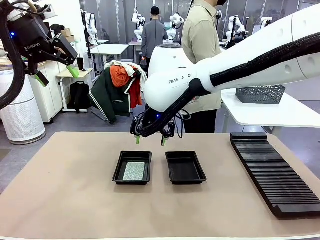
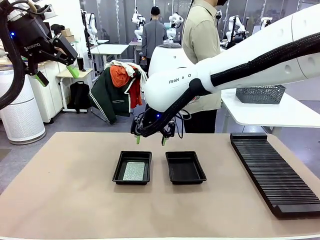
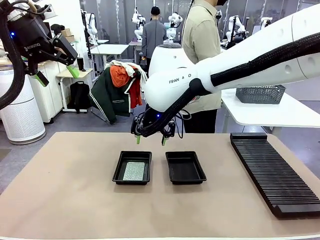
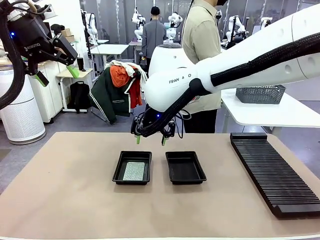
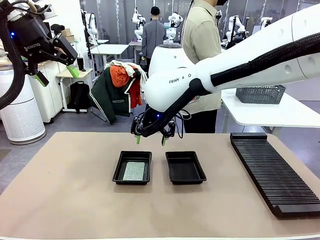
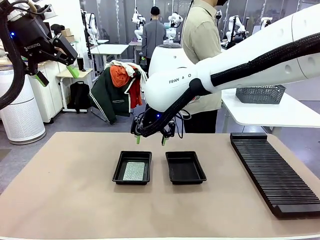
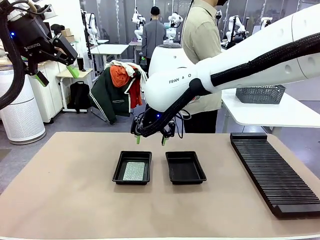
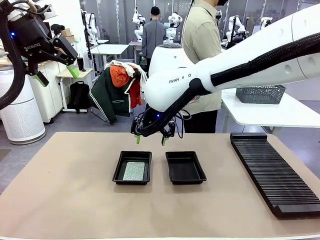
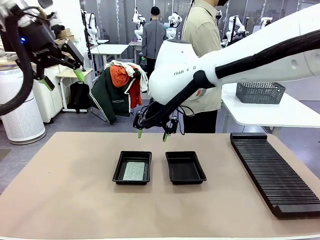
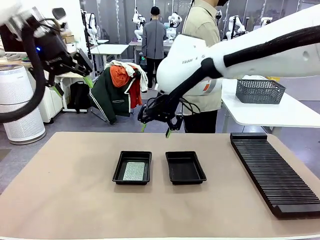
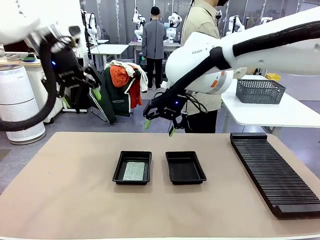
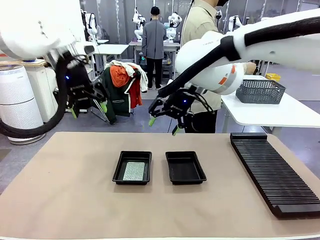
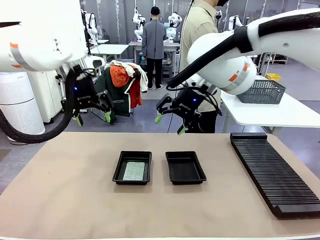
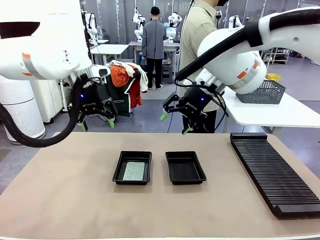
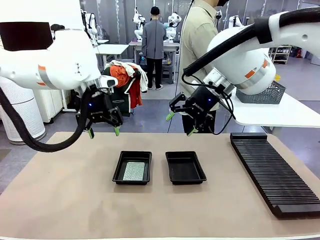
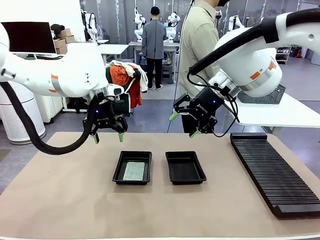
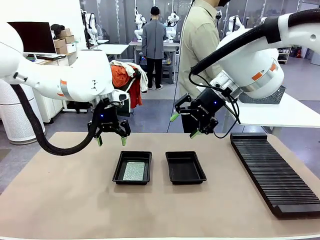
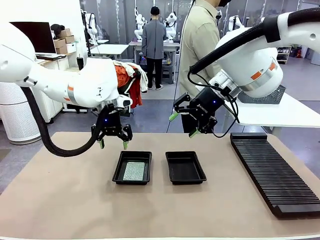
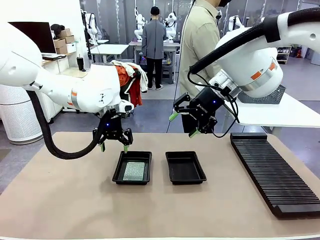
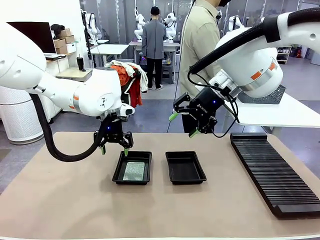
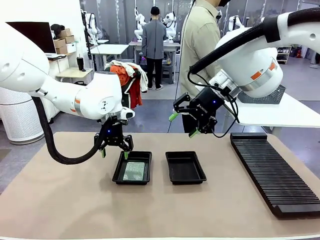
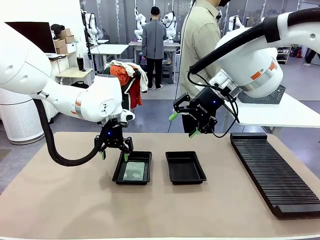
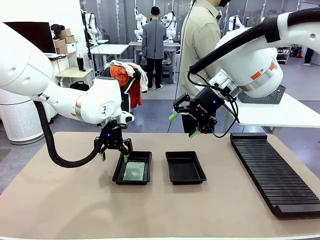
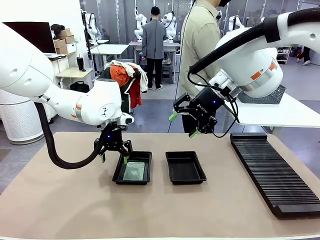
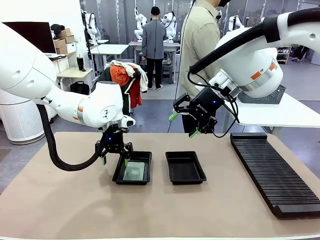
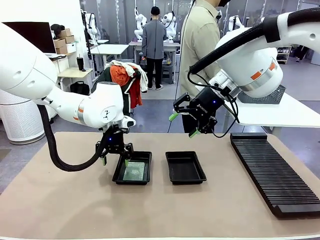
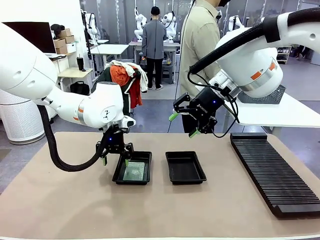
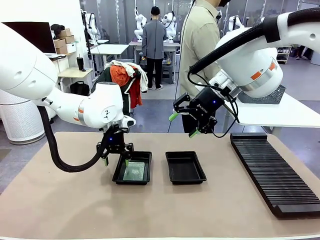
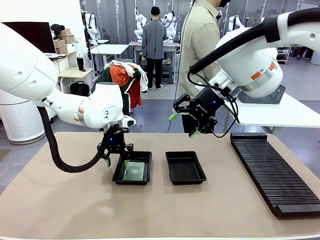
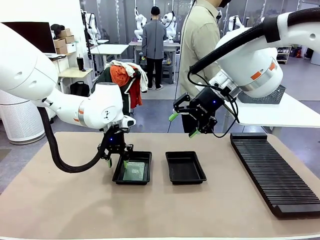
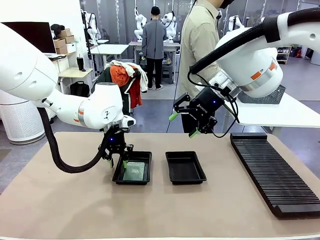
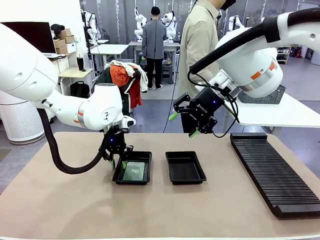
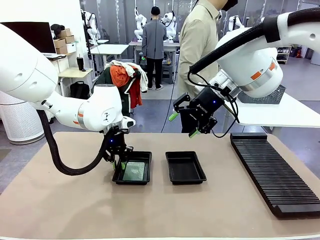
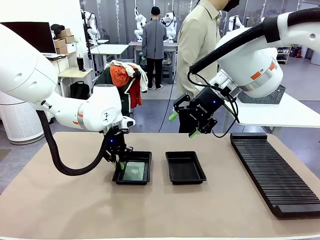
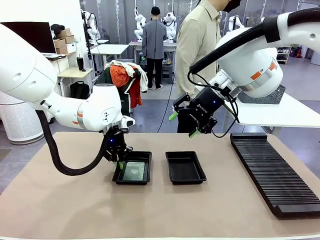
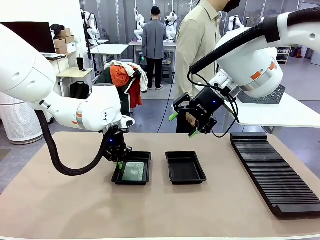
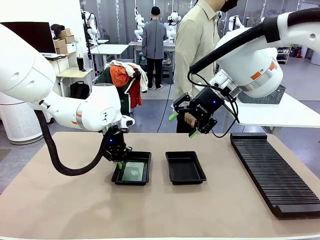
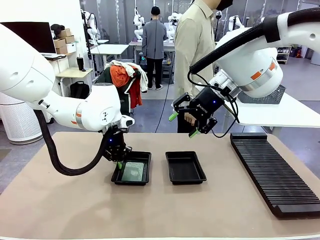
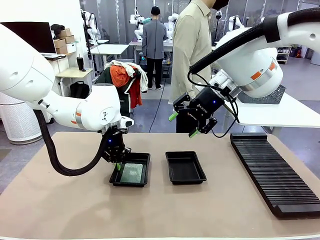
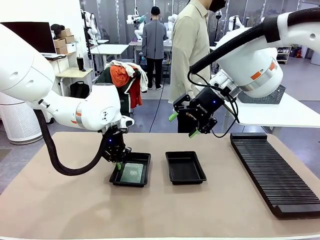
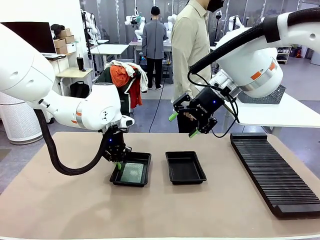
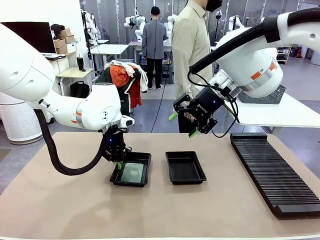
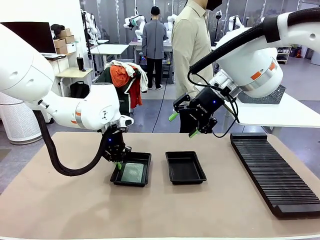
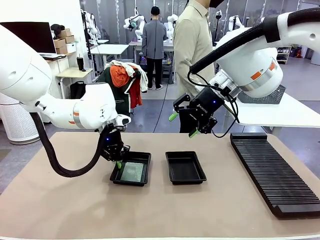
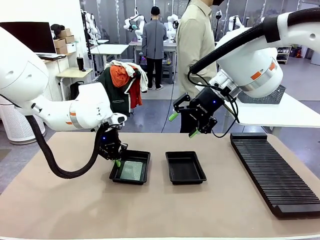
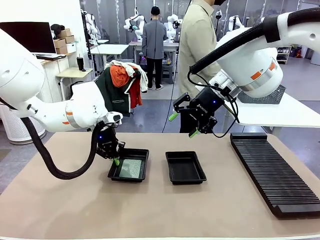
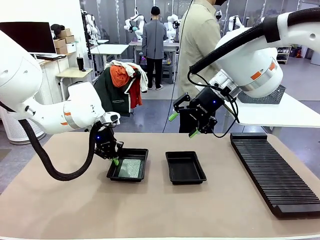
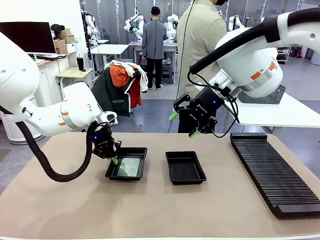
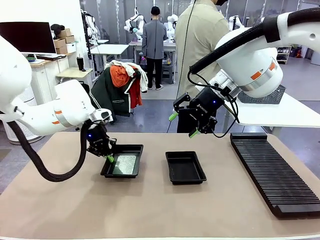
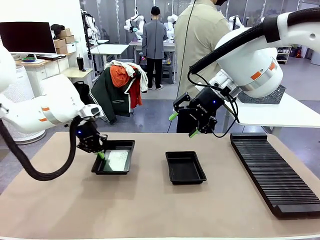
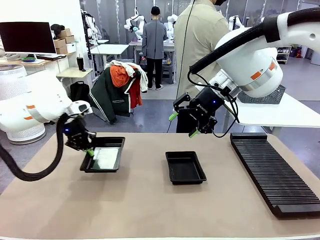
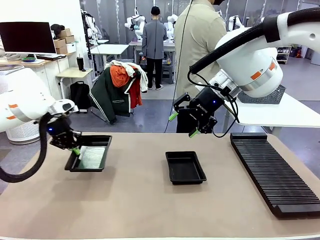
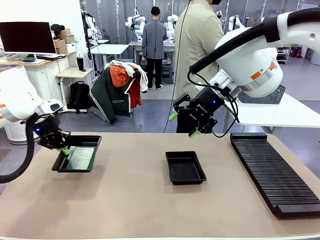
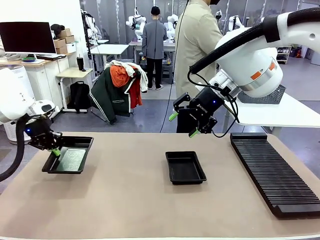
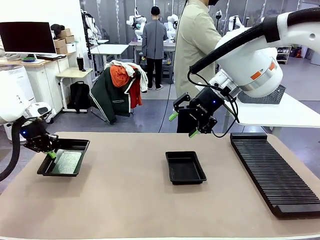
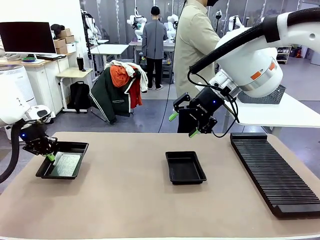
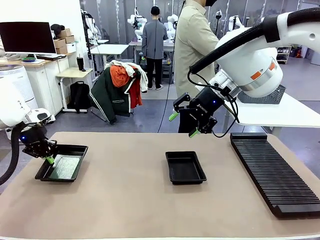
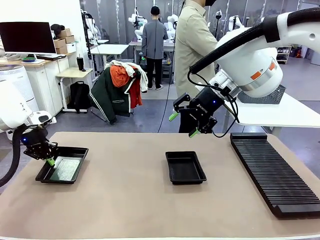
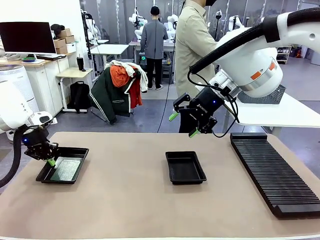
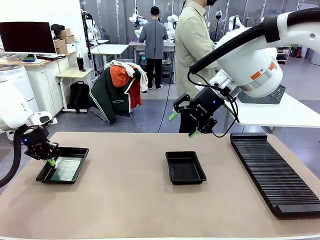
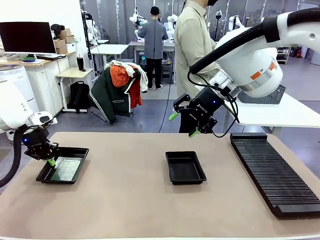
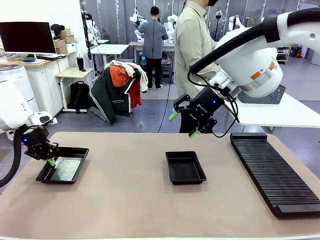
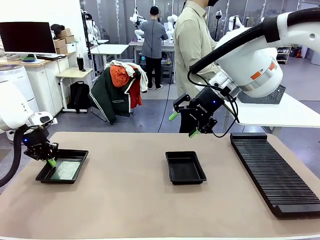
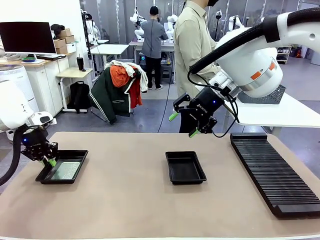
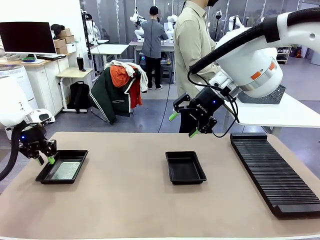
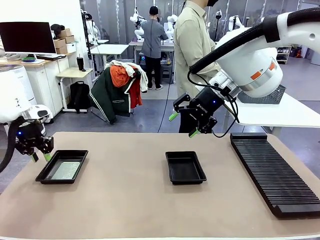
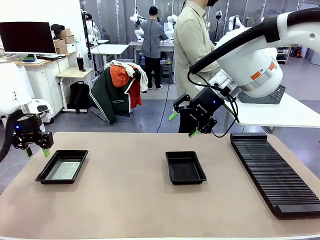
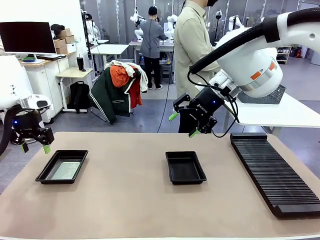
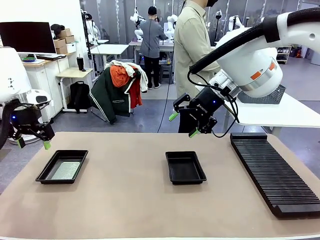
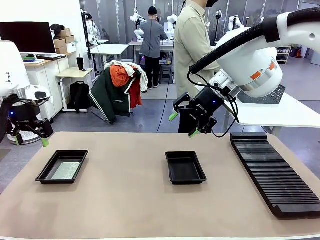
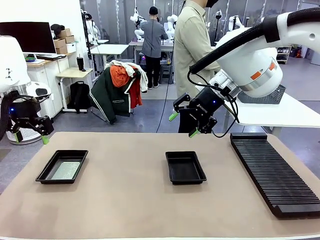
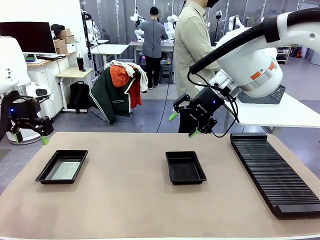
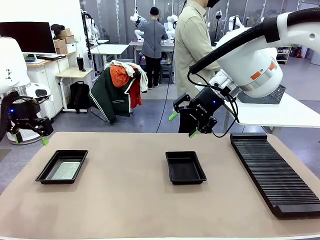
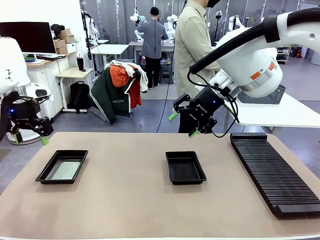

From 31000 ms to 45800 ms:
Task: Inspect and transfer BCBs to ESD trays.
Robot: Pick up the ESD tray and place it on the left side of the table.
